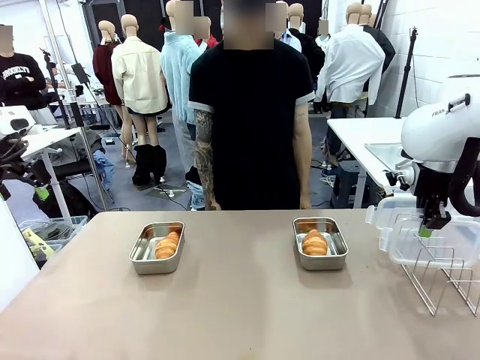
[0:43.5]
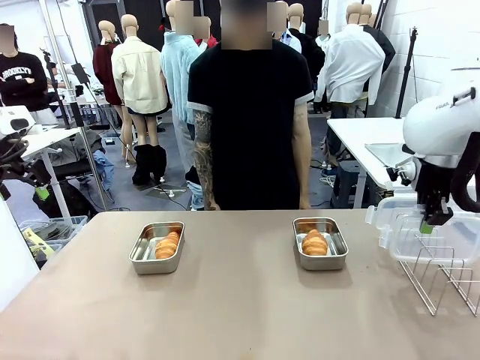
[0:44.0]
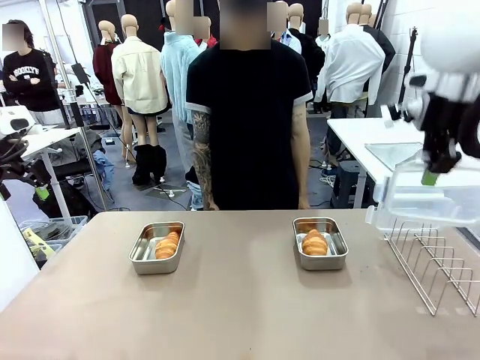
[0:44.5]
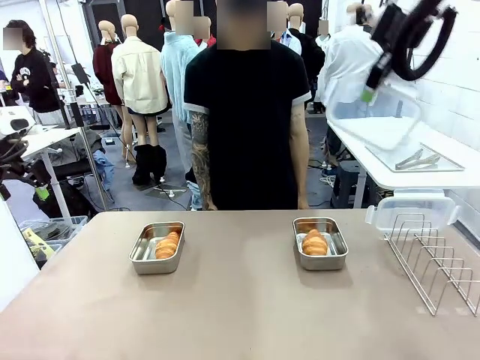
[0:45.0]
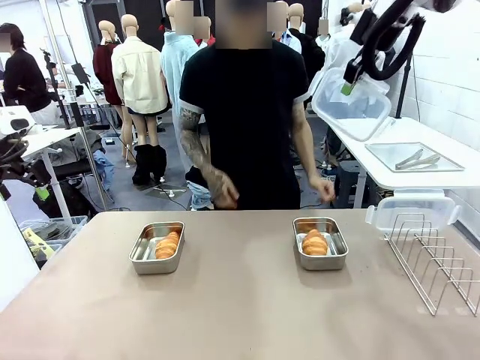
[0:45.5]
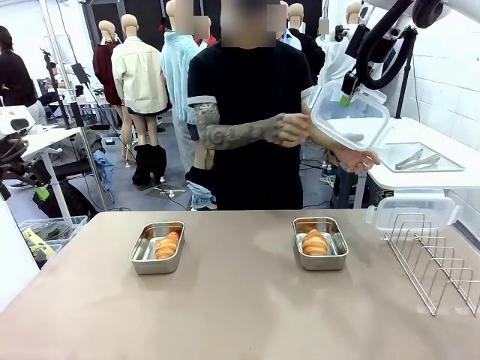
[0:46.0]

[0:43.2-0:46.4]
Task: Place the bread in airtight containers.
Robot: Release when the human grabs the Airtight Container lid.

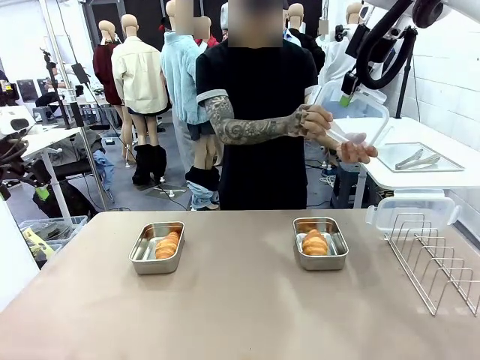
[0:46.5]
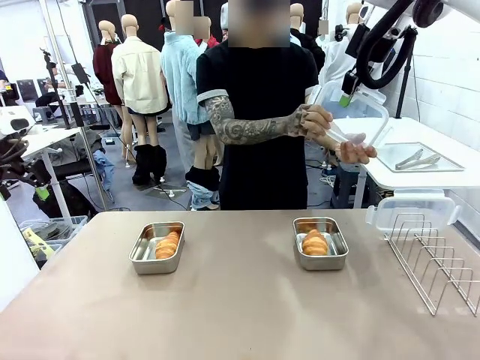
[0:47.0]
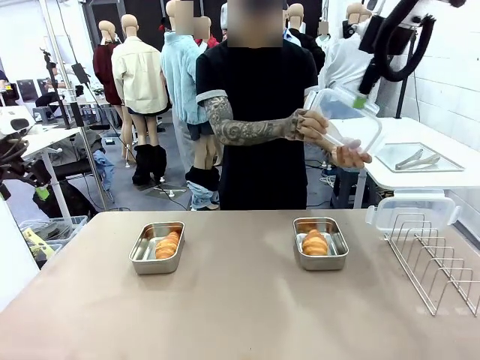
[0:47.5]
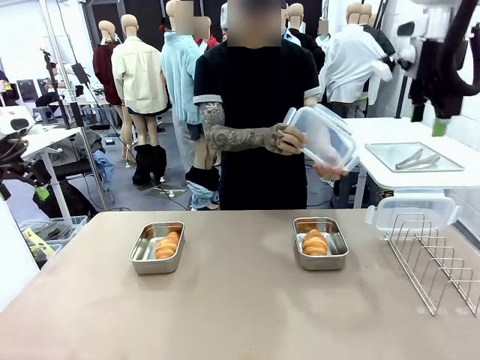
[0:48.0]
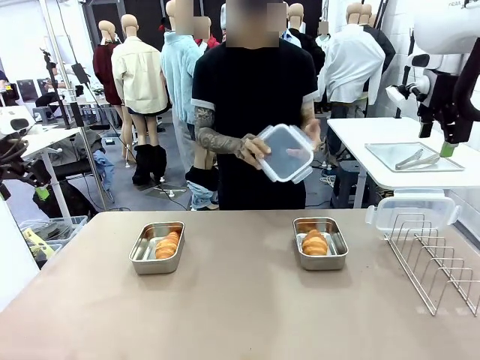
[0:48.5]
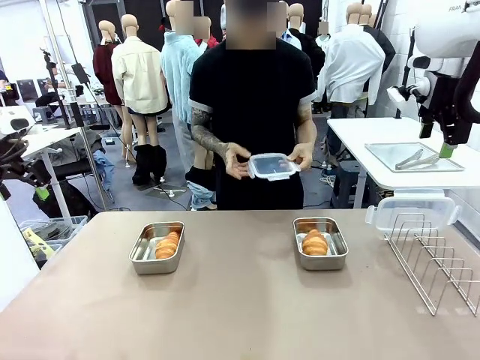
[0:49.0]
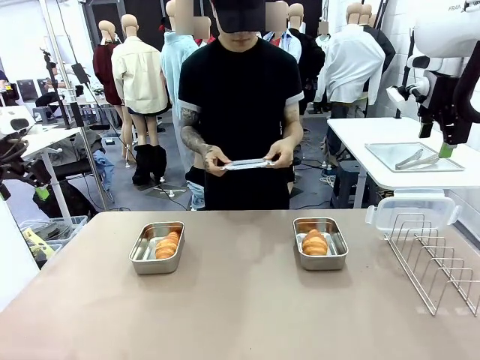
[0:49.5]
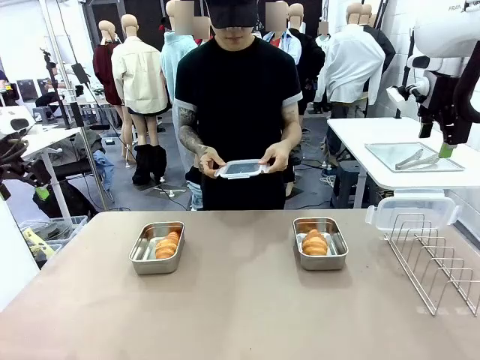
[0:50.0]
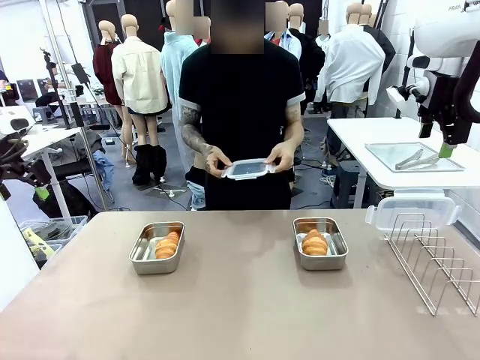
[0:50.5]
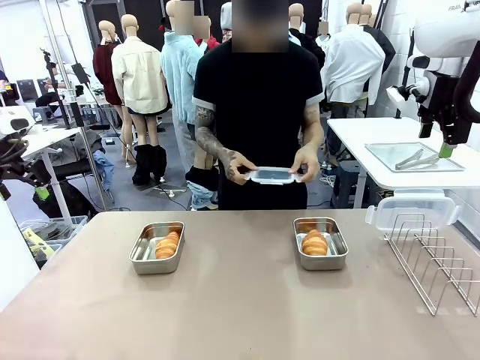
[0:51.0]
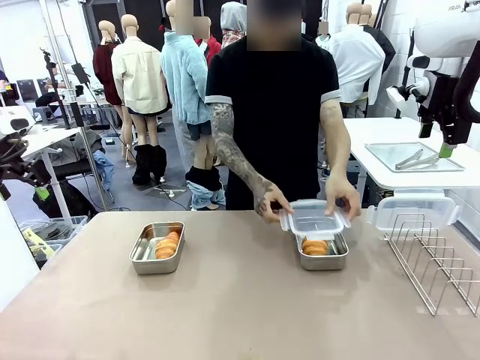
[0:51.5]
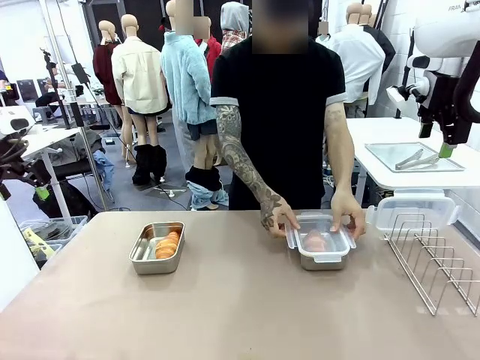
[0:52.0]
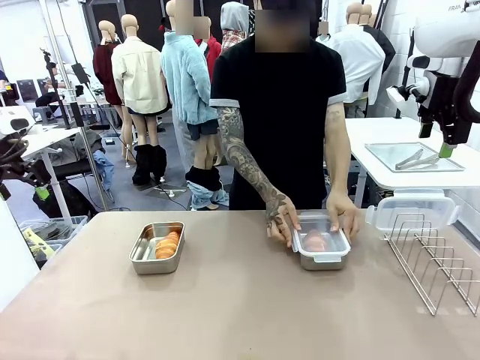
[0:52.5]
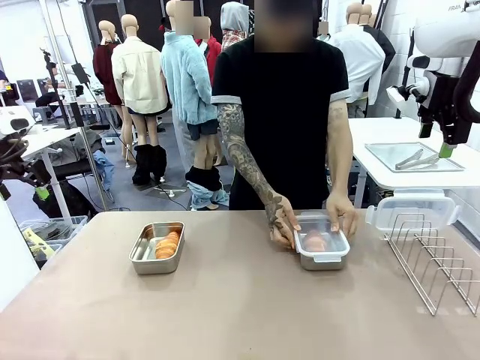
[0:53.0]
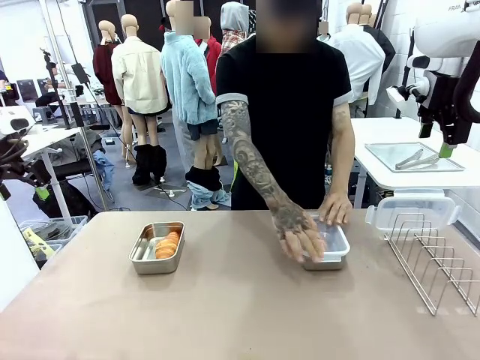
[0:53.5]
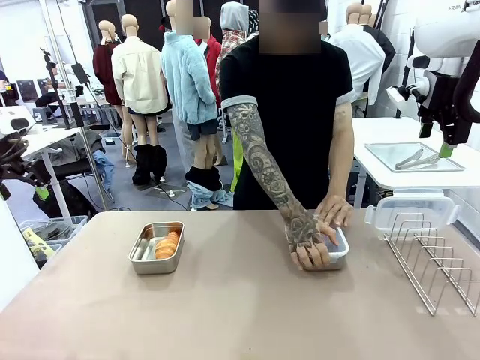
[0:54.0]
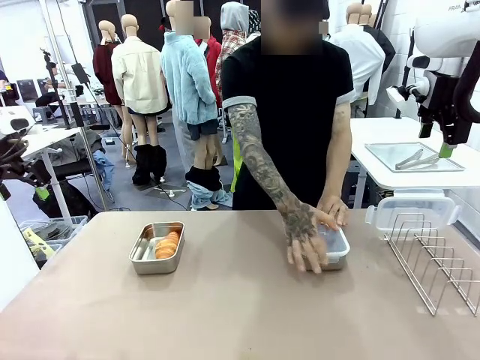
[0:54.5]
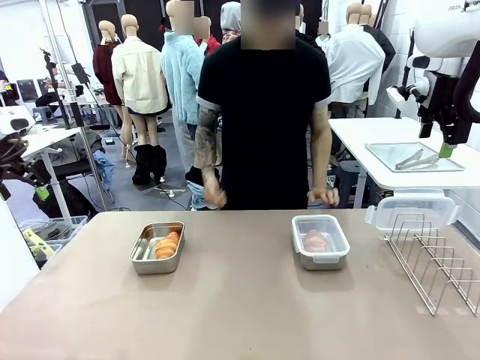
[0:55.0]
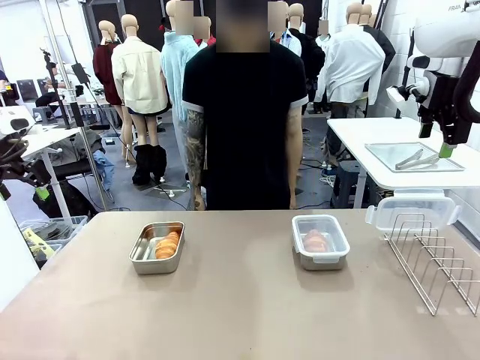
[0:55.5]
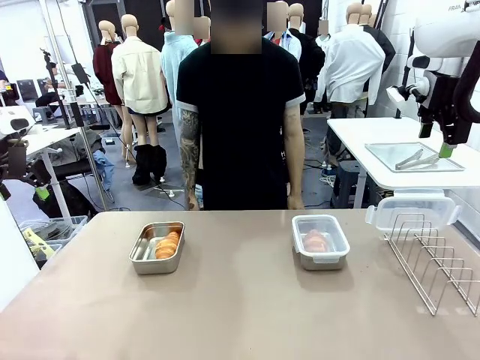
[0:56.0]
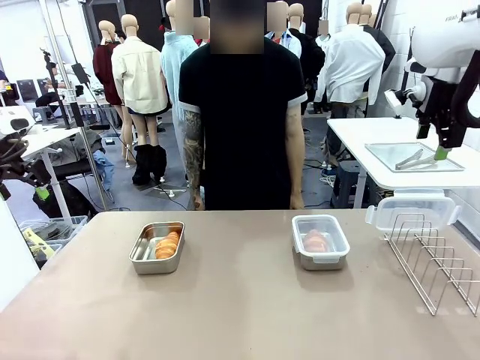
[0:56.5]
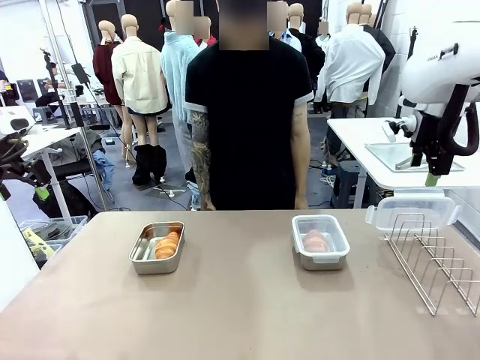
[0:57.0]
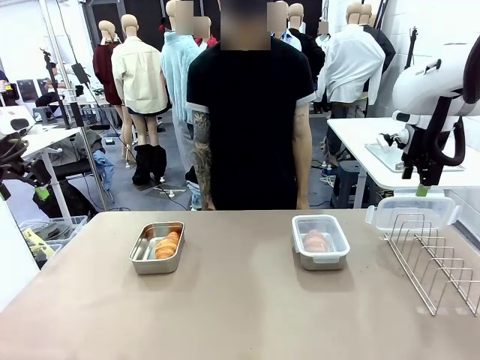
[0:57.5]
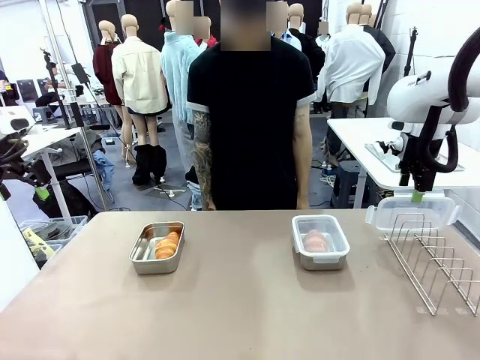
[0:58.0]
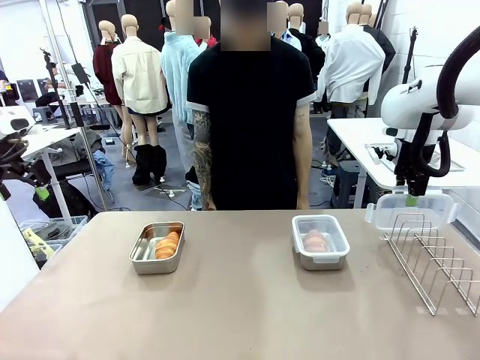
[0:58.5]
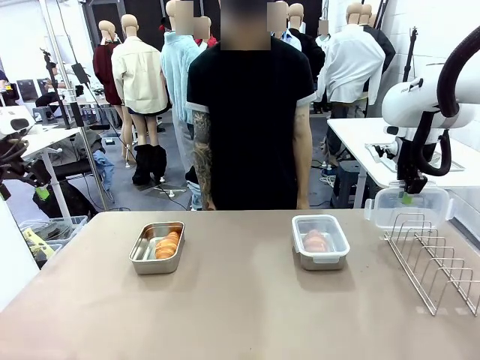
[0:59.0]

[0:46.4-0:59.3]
Robot: Pick up one Airtight Container lid and hand it to the human.
Person: Close Airtight Container with a handed Airtight Container lid.

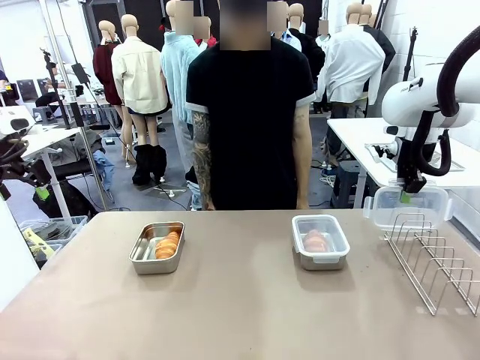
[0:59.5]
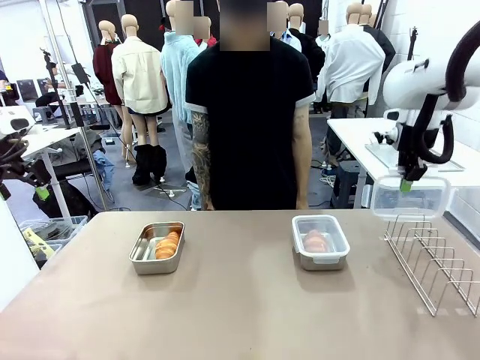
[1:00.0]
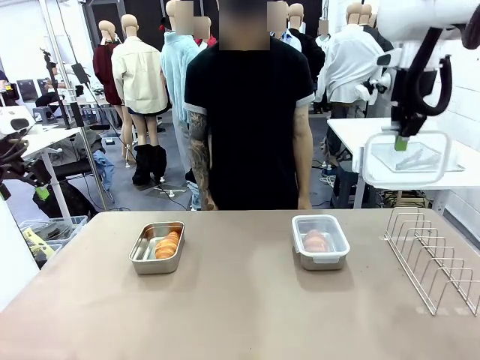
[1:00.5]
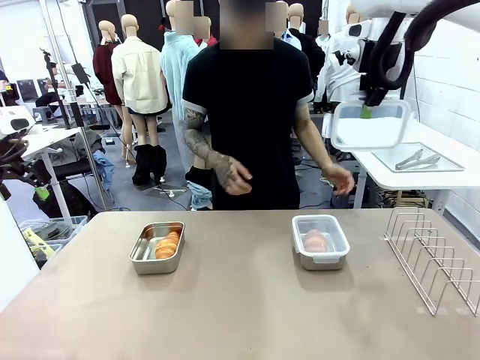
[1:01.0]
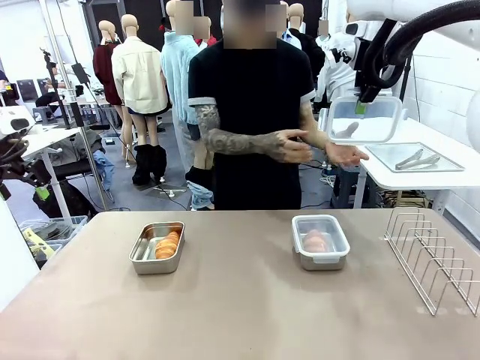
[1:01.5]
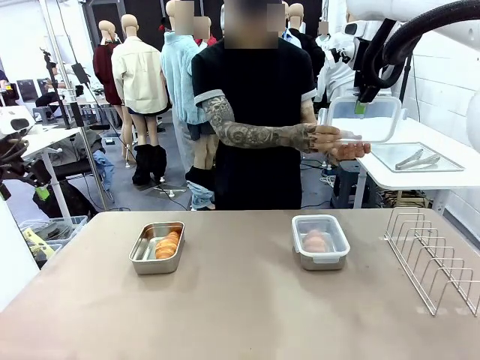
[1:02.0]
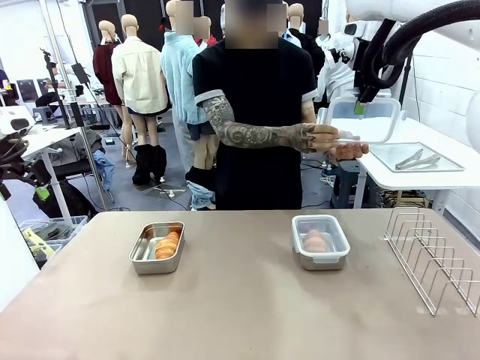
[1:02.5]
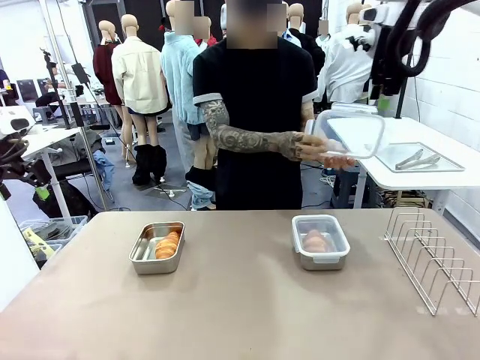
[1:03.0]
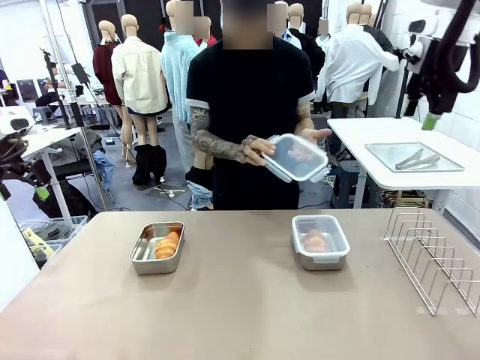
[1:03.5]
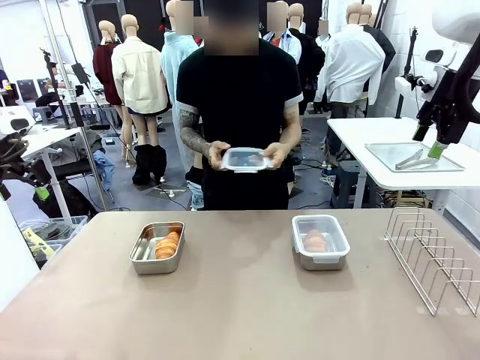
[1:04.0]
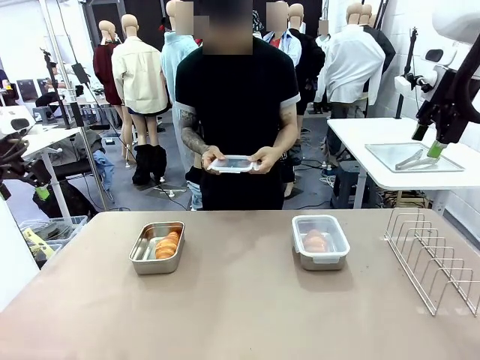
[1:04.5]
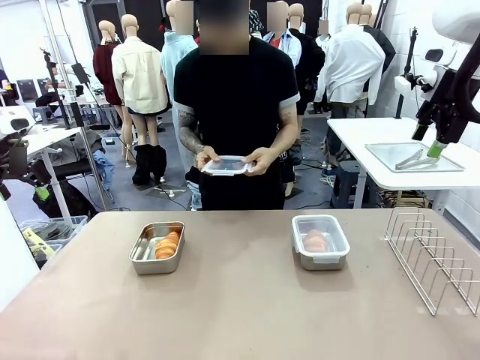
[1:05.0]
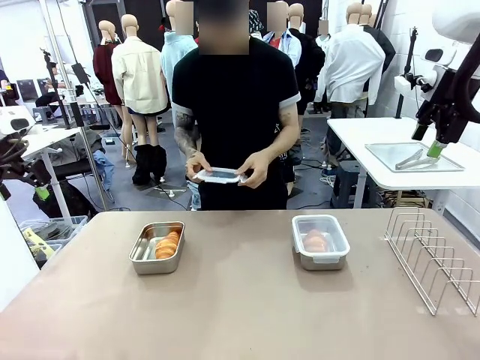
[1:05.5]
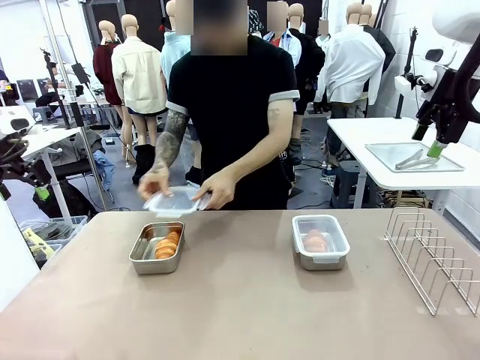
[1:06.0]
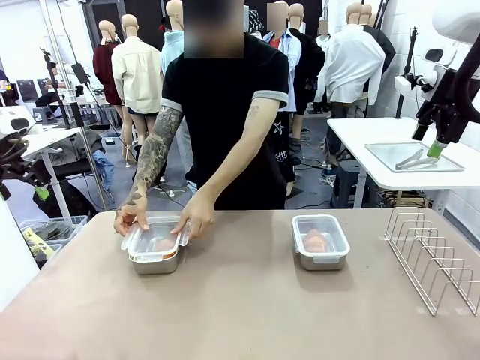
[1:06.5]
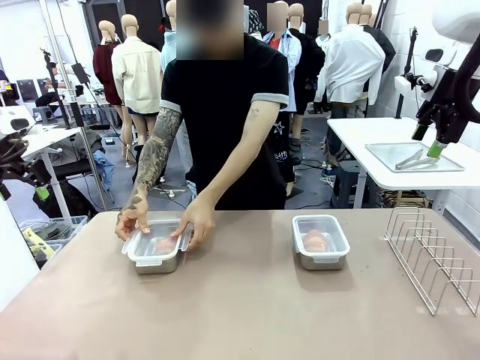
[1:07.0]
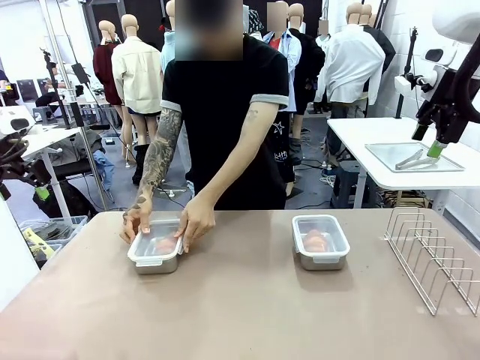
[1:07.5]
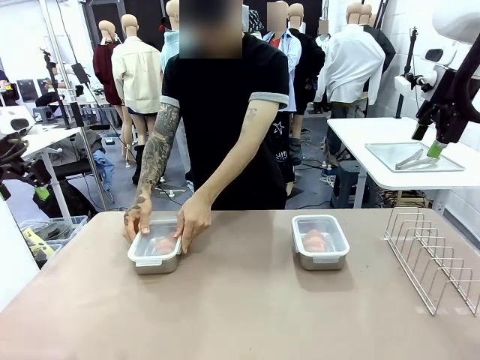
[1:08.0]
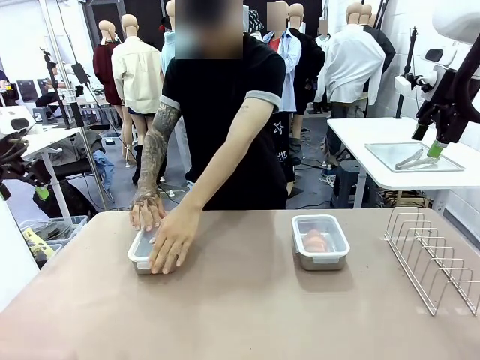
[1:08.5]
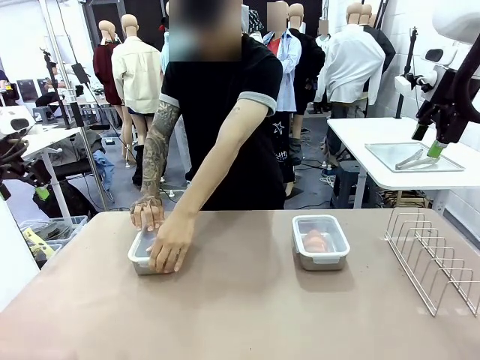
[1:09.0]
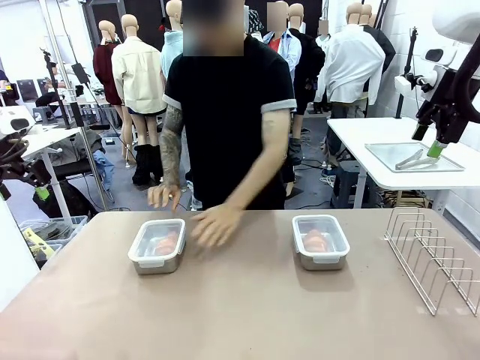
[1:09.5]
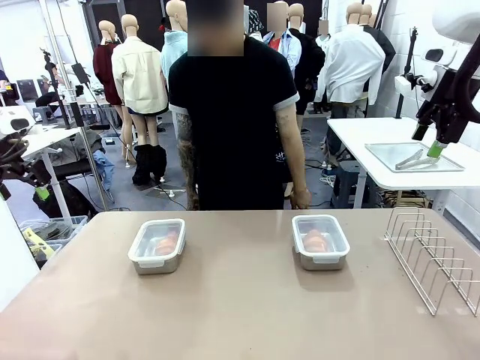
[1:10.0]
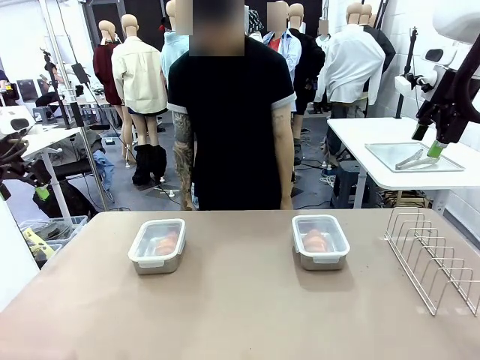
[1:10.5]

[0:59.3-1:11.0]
Robot: Release when the human grabs the Airtight Container lid.
Person: Grip Airtight Container lid that robot is handing. Close Airtight Container with a handed Airtight Container lid.
